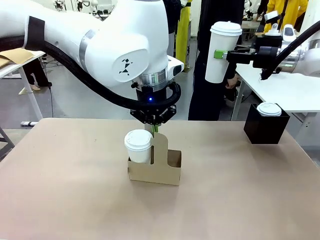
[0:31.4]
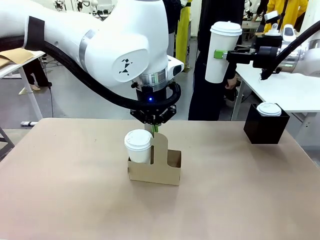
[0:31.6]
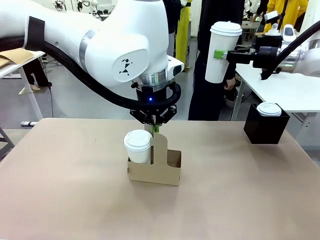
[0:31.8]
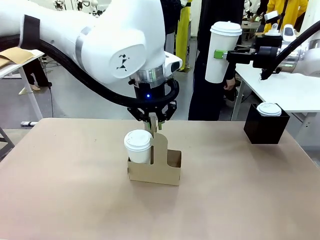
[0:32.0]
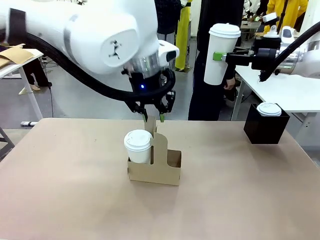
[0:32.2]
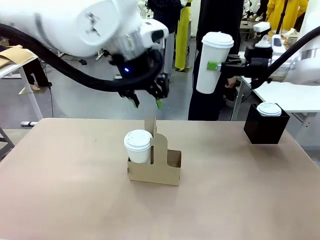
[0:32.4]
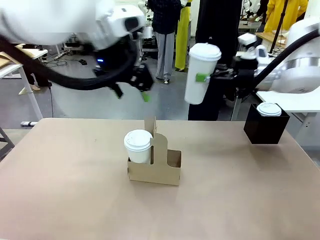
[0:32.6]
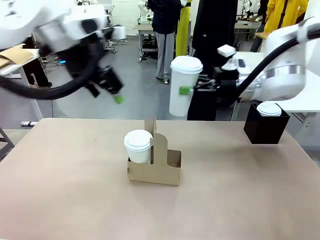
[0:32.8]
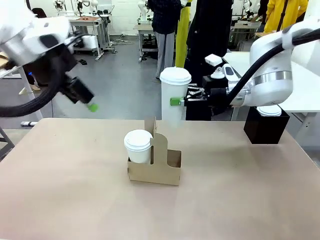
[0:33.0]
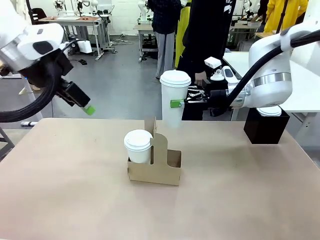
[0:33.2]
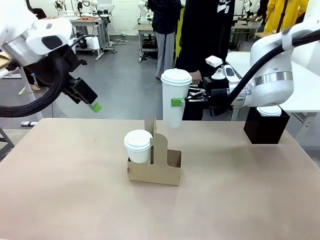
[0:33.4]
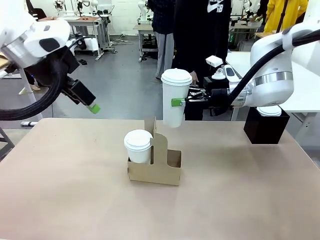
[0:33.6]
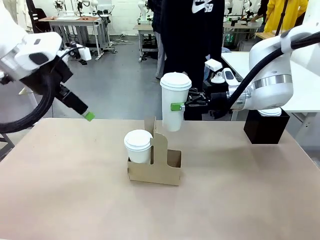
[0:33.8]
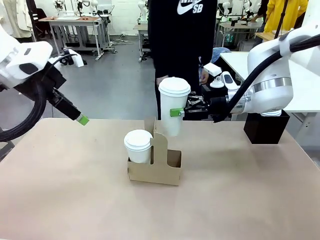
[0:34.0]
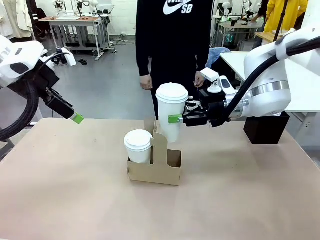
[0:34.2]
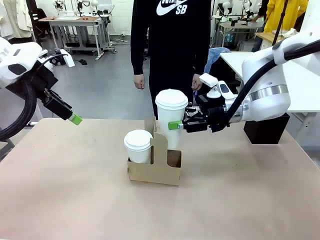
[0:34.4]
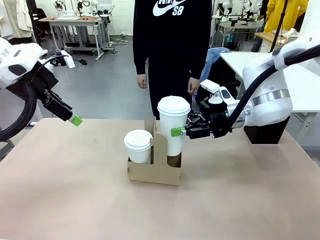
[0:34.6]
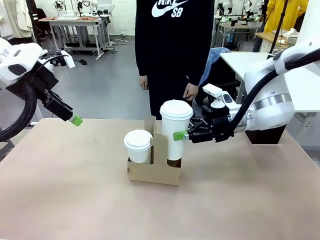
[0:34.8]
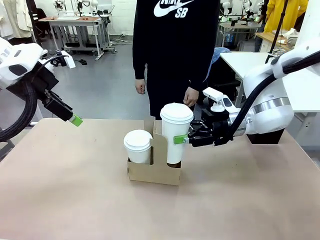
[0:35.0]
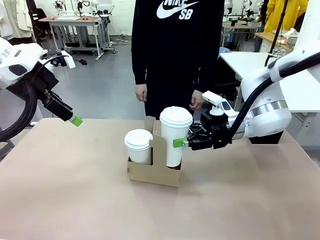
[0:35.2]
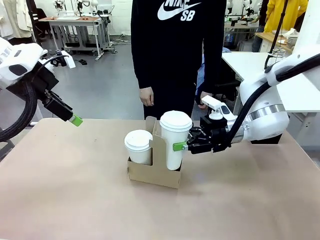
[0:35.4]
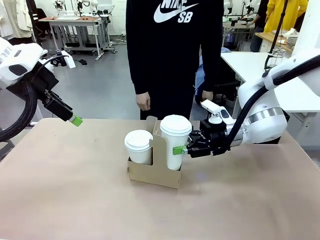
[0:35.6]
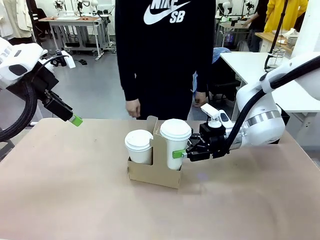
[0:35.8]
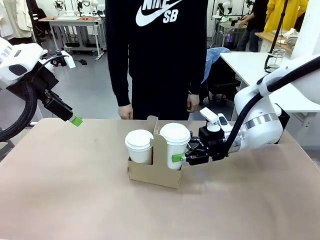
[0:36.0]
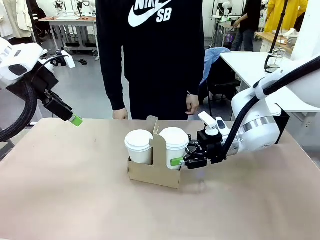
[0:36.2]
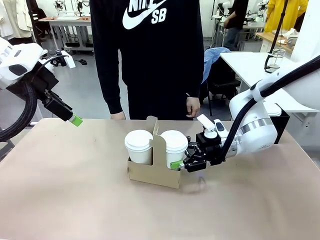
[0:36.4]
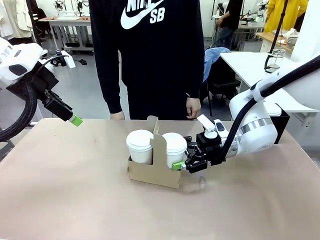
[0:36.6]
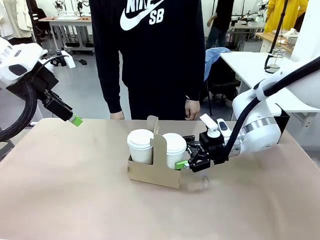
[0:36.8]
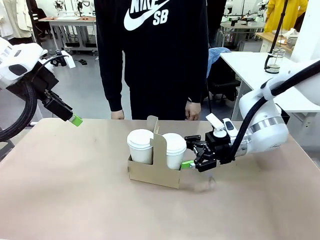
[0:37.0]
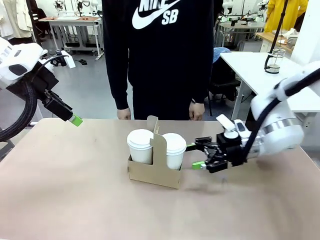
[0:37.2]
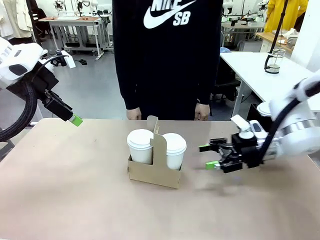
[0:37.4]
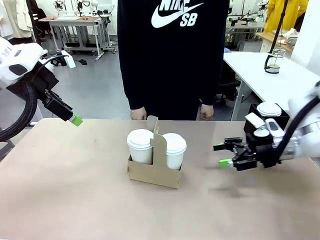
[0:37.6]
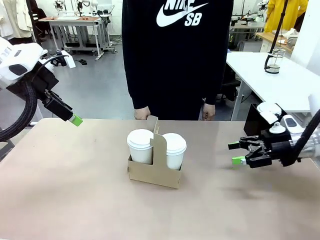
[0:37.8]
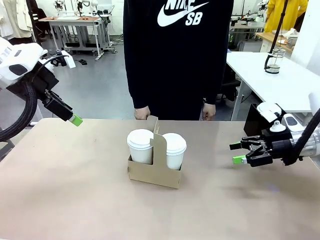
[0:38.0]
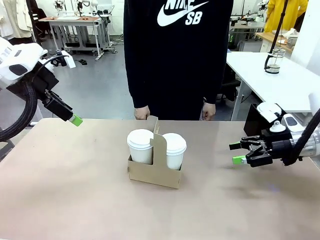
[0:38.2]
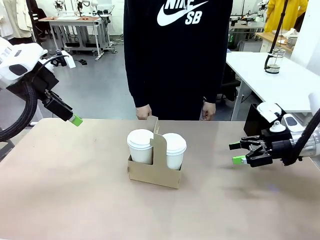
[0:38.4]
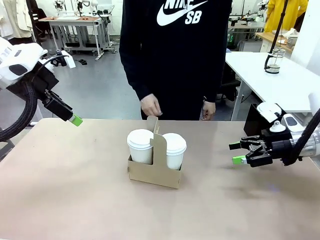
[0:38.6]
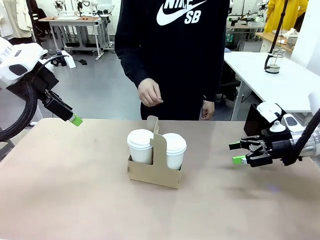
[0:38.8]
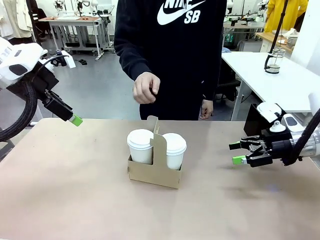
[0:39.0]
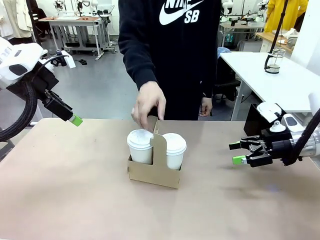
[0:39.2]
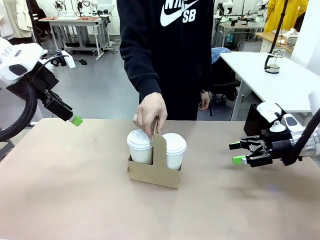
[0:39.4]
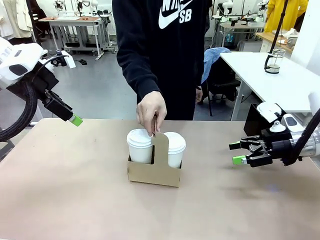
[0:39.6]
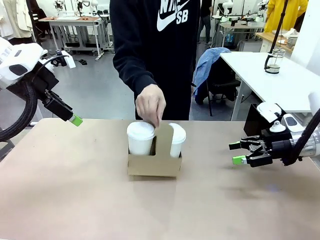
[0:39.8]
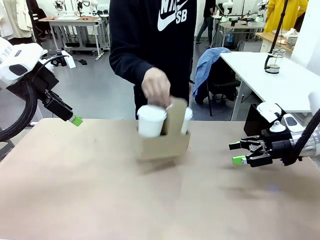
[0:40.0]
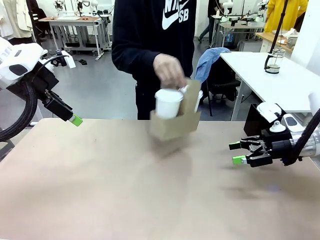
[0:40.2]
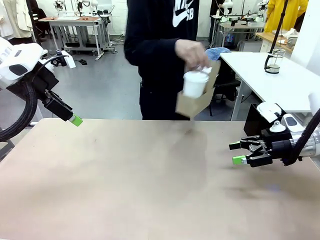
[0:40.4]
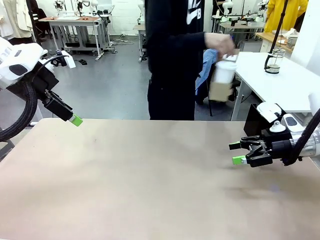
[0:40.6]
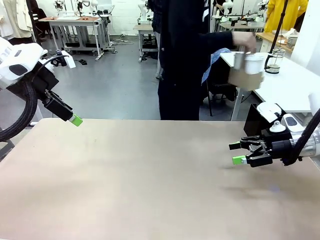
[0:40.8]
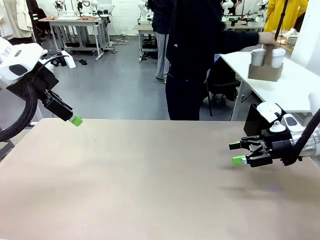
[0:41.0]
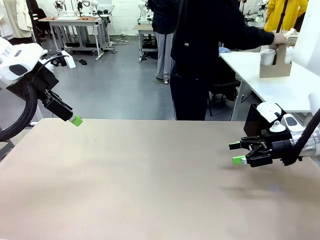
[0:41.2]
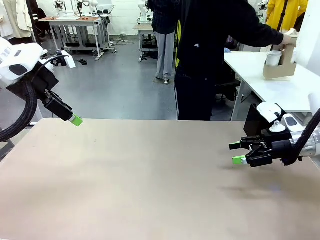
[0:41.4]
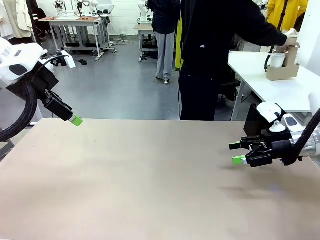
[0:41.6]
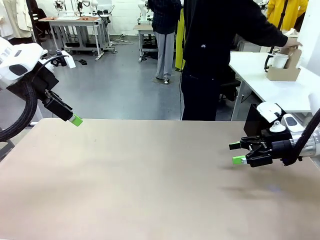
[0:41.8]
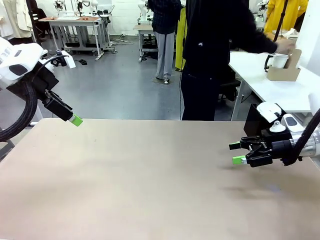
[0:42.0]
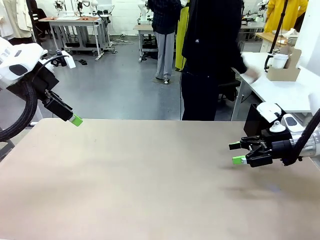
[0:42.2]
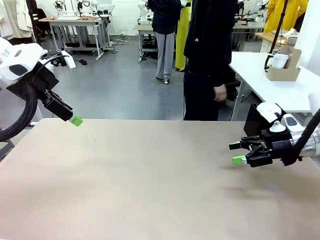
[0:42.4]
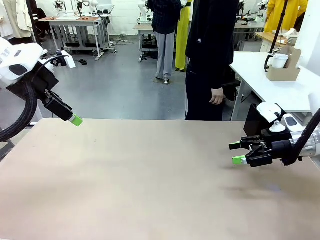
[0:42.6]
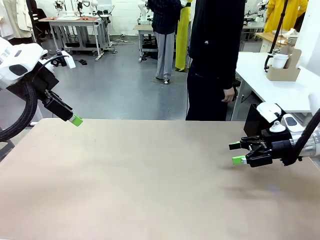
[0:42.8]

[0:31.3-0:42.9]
Task: Pour a drink into a cup and package it in a carrier.
Robot: Insert the held 600 ml Paper Cup into the Cup Carrier.
Person: Place the Cup Carrier to the middle of Human table.

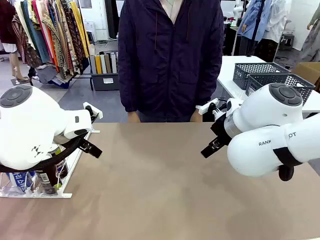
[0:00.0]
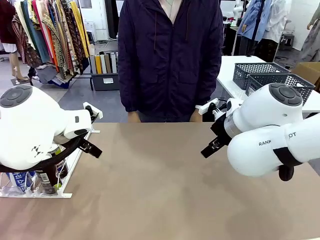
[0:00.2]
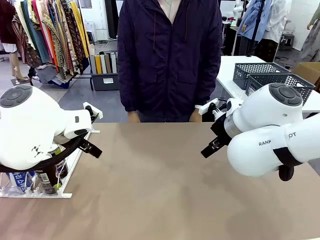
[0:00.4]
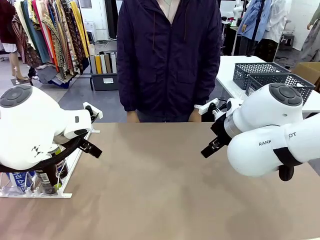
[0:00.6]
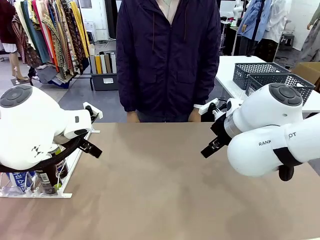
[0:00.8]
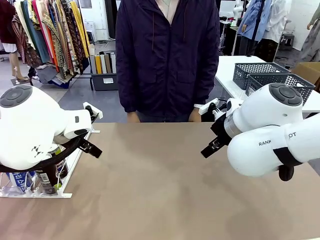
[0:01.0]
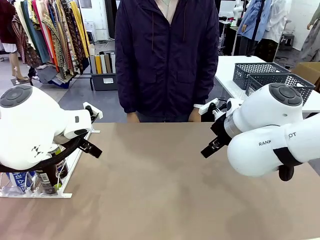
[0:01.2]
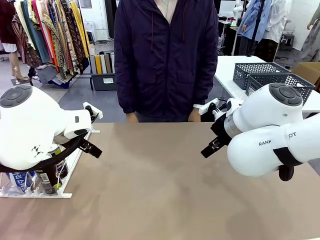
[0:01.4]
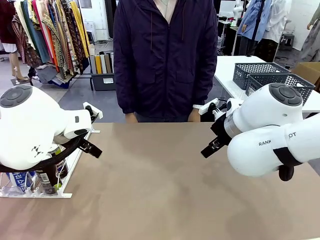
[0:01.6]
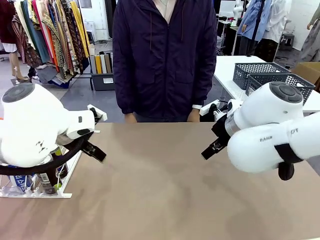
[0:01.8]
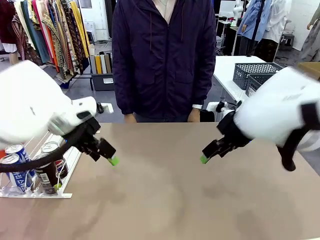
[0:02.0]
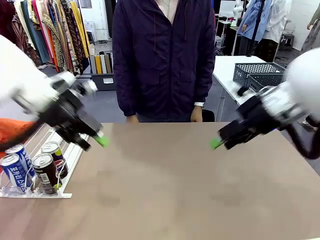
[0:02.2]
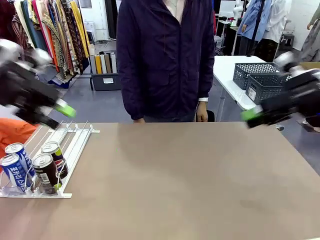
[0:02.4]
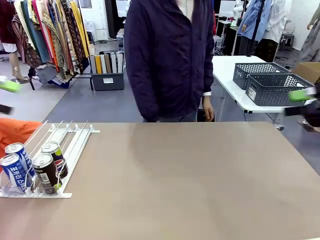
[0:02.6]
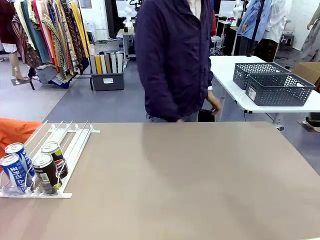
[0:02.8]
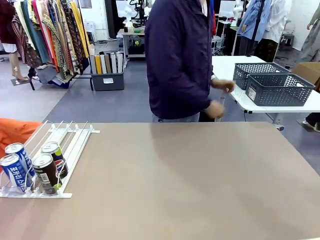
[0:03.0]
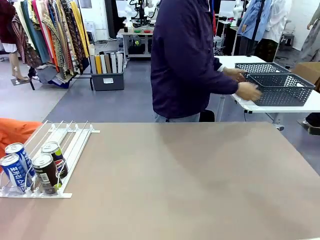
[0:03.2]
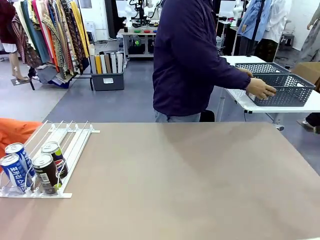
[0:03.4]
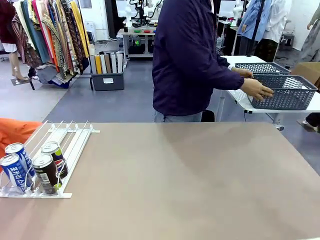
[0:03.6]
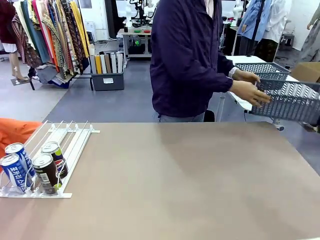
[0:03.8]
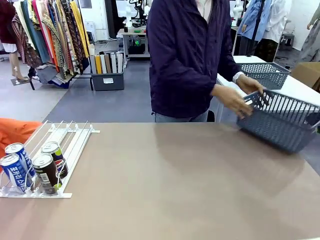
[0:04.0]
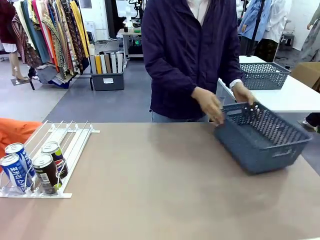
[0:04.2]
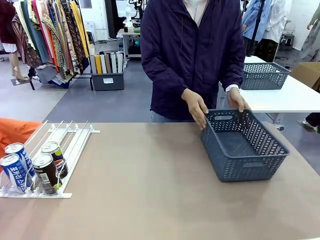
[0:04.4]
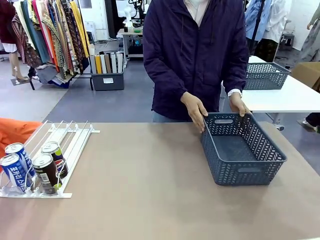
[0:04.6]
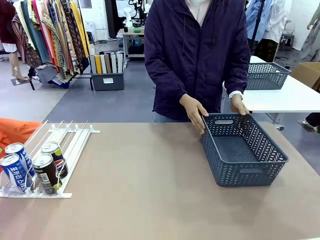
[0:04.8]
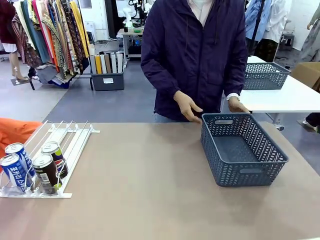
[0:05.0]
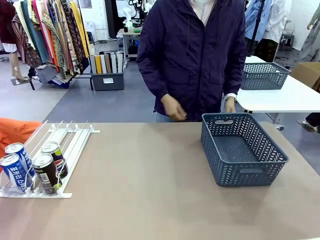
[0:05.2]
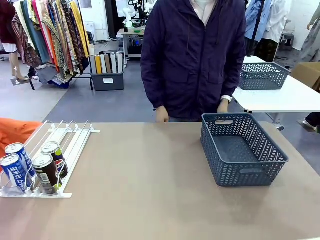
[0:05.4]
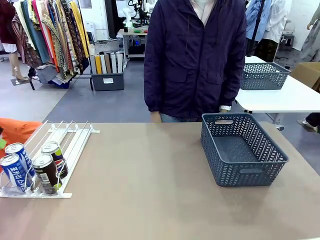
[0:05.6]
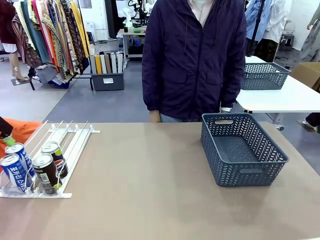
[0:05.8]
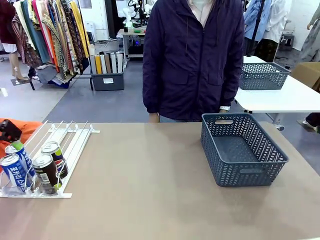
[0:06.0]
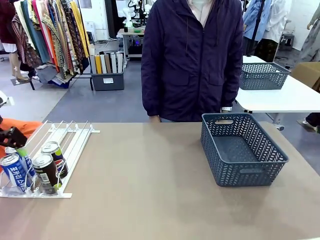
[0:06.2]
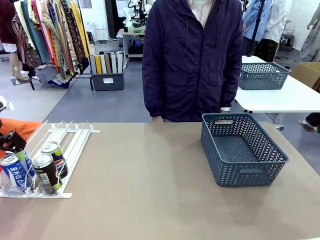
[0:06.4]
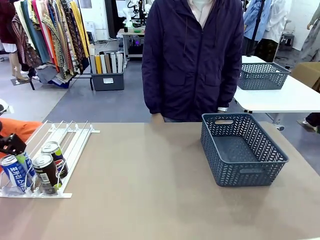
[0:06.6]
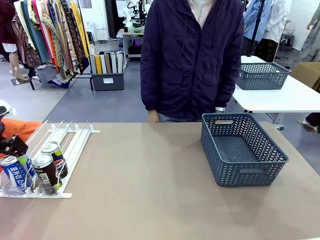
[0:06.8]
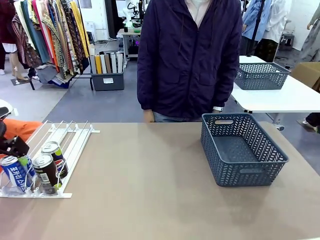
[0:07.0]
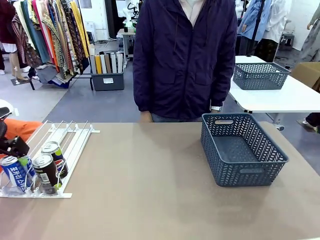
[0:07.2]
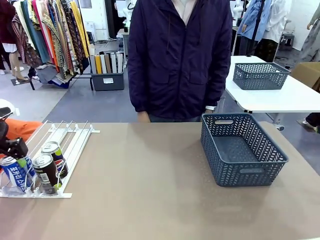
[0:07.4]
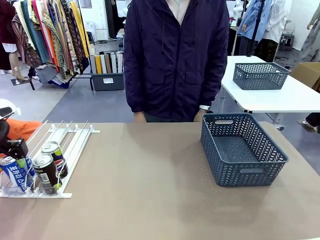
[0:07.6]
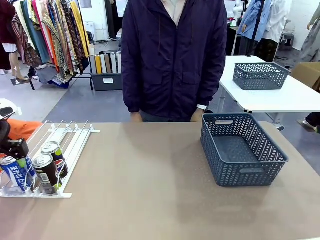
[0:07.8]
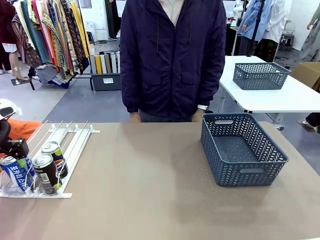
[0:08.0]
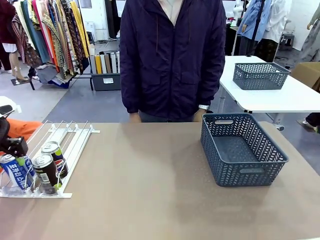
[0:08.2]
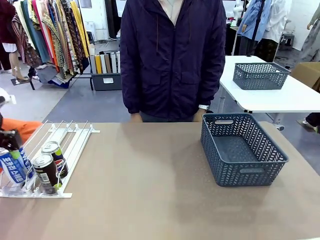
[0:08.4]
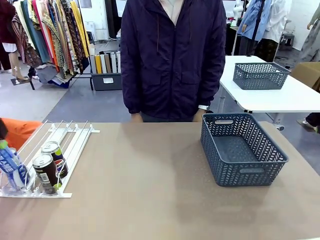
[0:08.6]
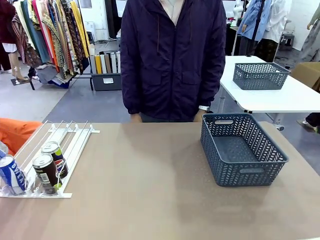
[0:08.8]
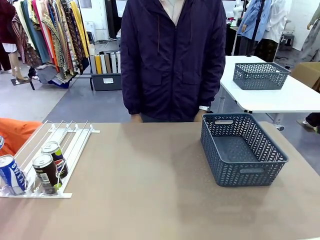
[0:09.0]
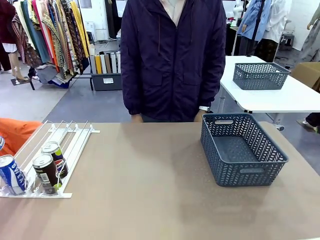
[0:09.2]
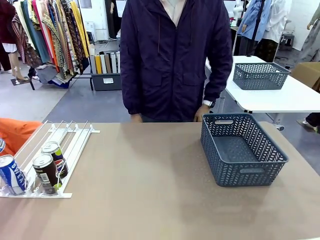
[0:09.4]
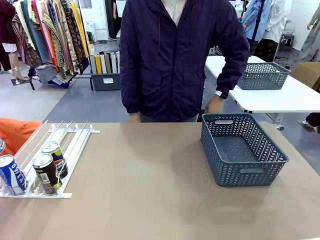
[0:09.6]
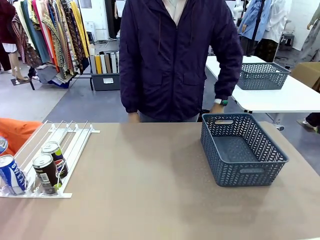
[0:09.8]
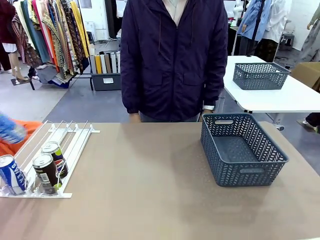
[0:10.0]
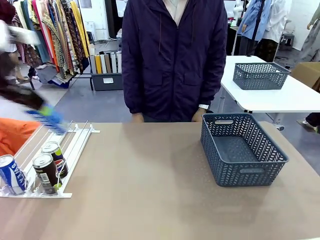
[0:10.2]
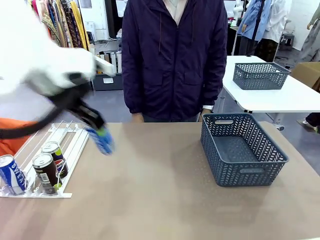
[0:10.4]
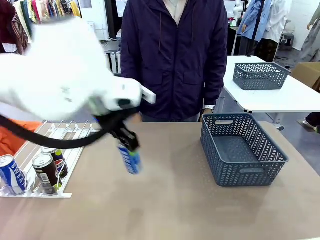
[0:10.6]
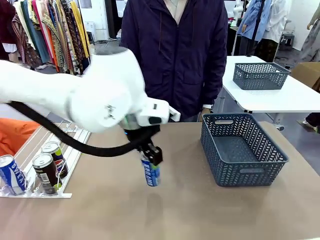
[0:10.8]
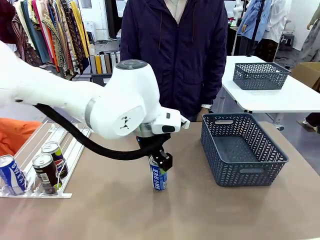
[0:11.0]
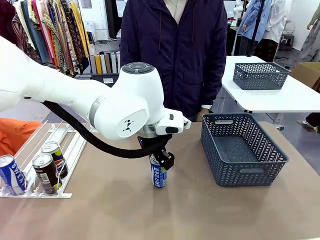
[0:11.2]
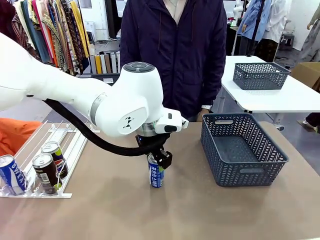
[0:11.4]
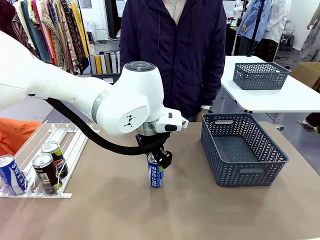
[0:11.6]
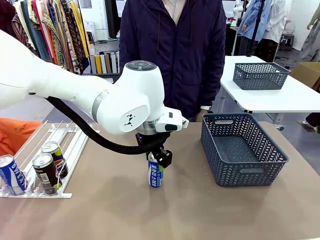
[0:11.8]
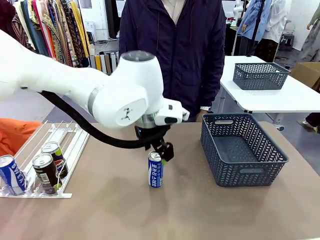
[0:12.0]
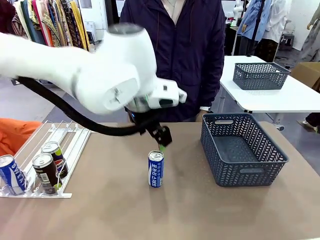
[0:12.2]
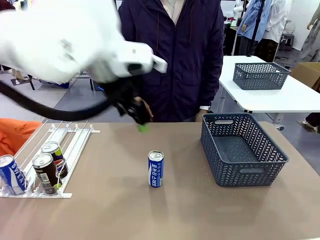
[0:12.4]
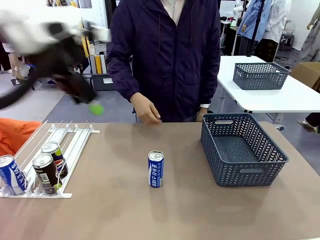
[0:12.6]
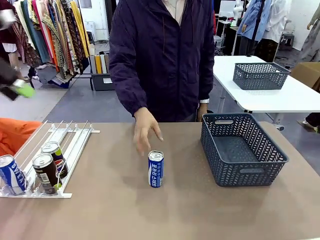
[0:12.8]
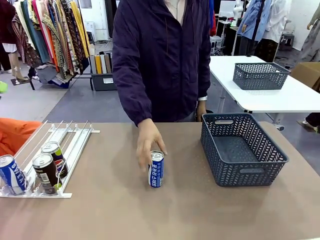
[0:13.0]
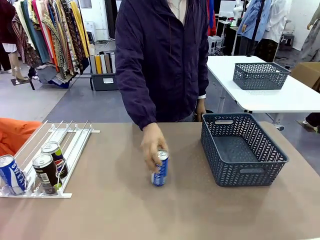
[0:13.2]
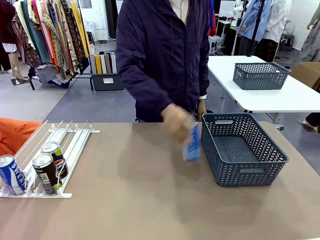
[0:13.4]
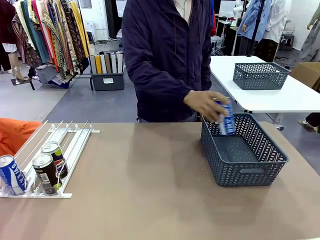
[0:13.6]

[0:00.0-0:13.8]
Task: Retrieve and store the cans from the dispenser.
Robot: Pick up one can from the Automatic Can Dispenser and place it in the middle of the table.
Person: Pick up the basket and place it on the left side of the robot table.
